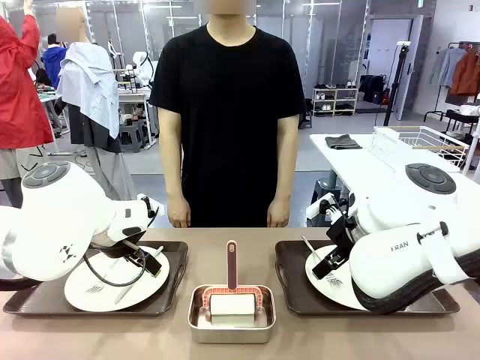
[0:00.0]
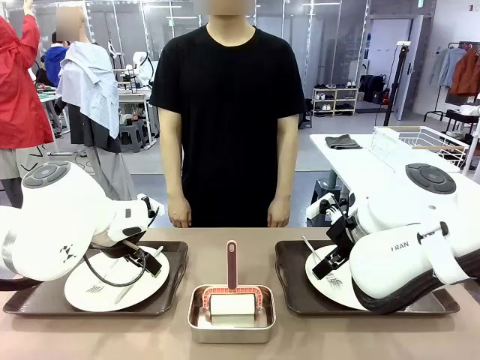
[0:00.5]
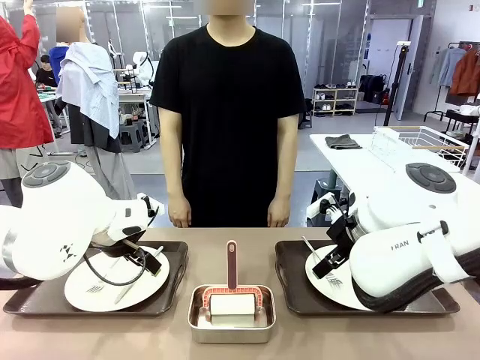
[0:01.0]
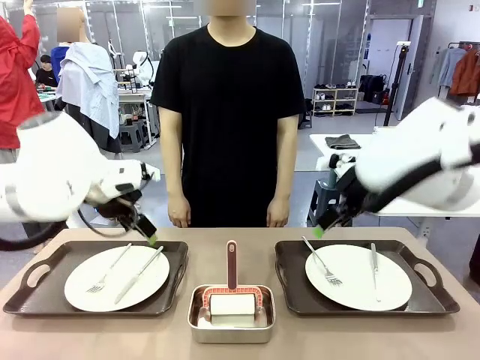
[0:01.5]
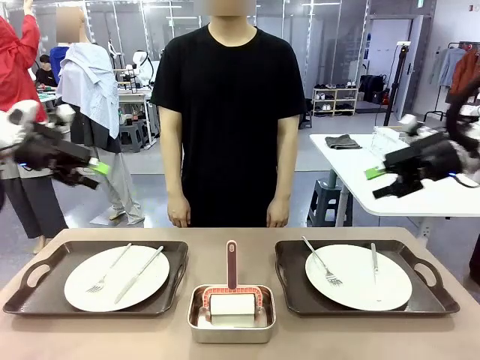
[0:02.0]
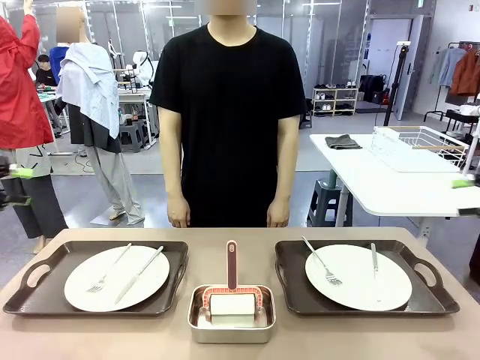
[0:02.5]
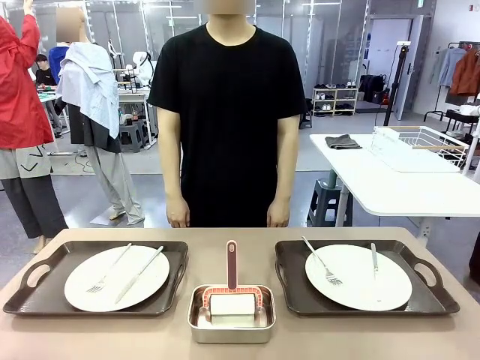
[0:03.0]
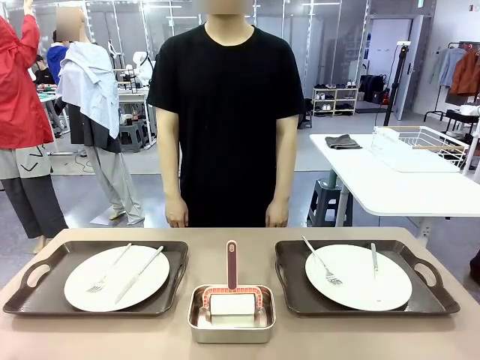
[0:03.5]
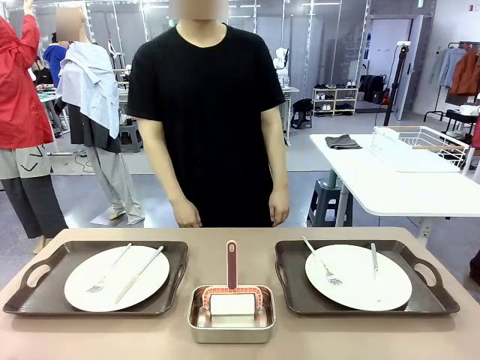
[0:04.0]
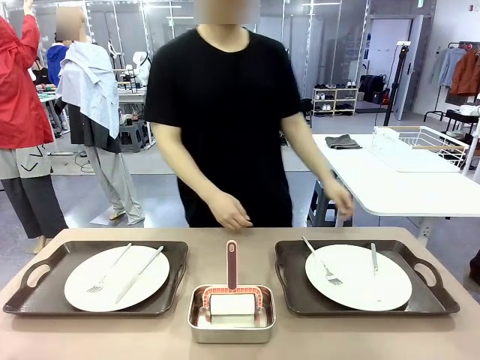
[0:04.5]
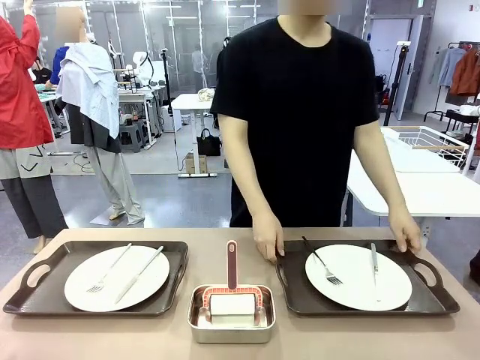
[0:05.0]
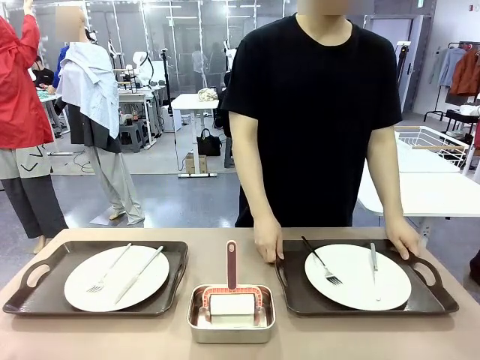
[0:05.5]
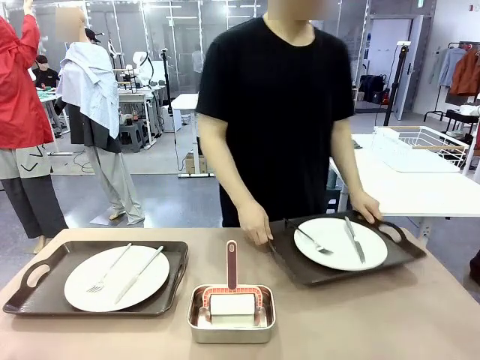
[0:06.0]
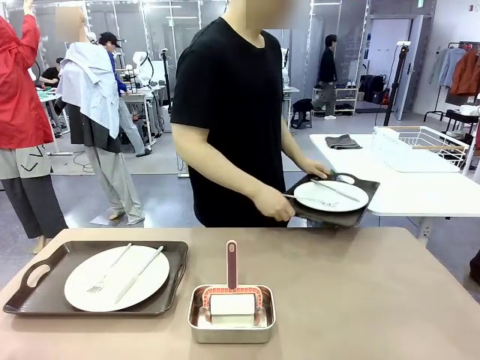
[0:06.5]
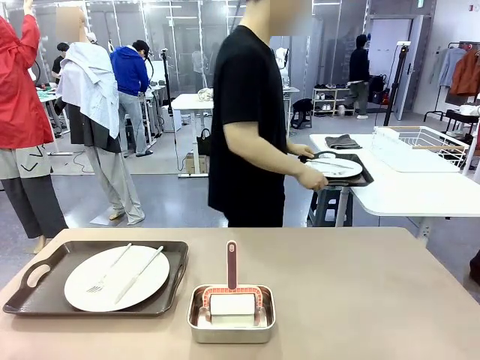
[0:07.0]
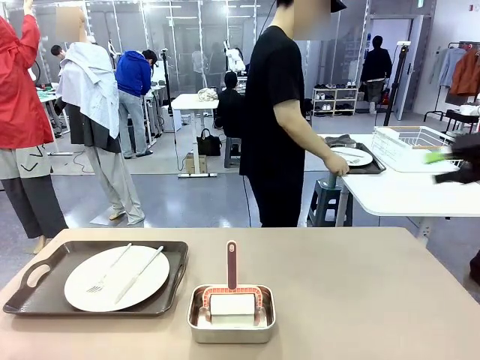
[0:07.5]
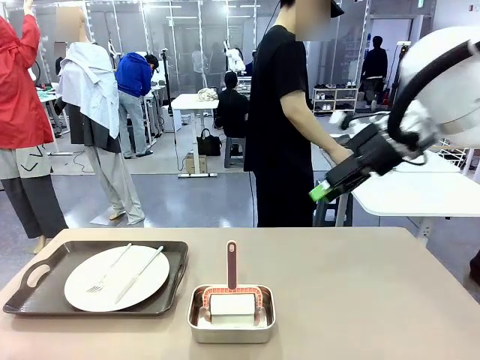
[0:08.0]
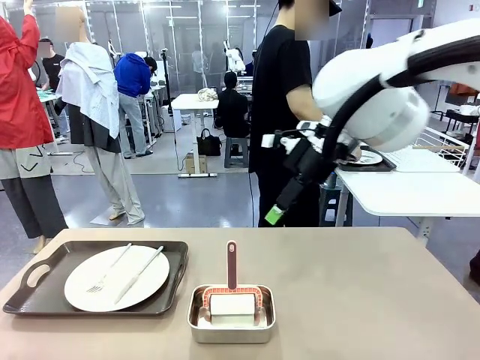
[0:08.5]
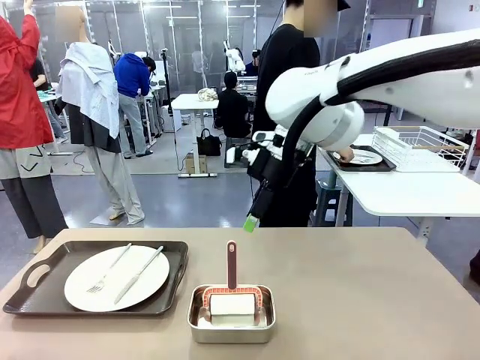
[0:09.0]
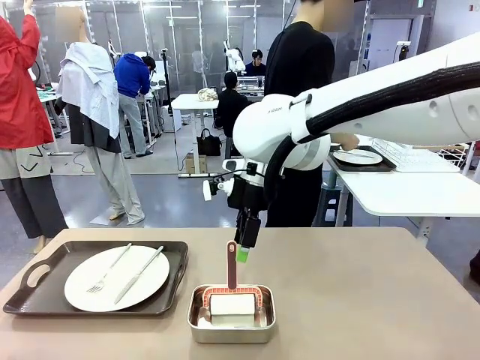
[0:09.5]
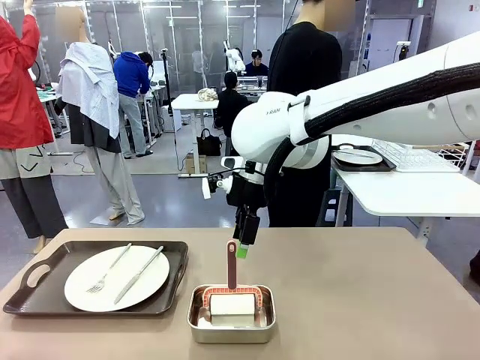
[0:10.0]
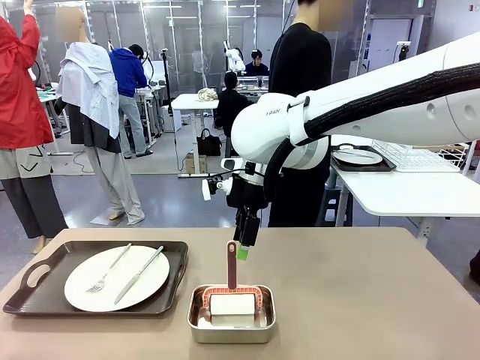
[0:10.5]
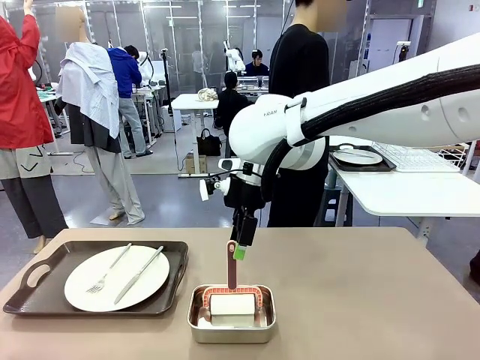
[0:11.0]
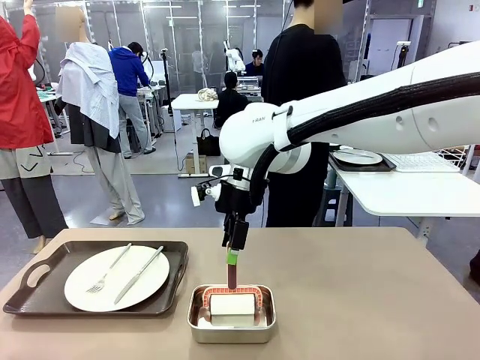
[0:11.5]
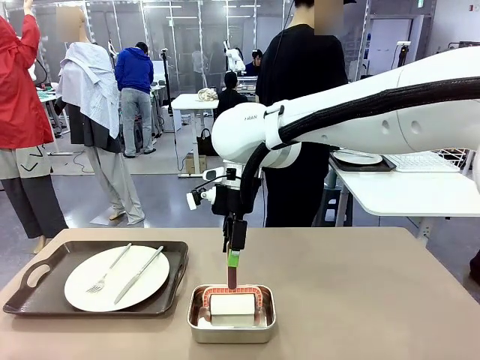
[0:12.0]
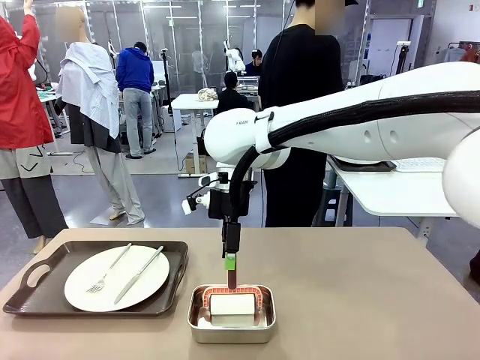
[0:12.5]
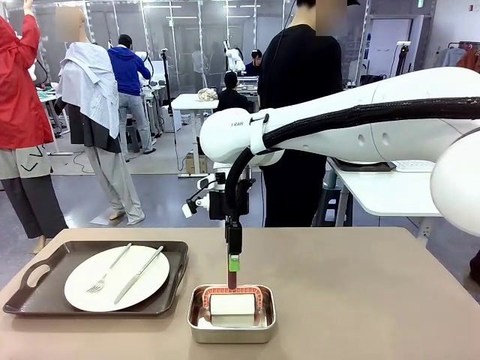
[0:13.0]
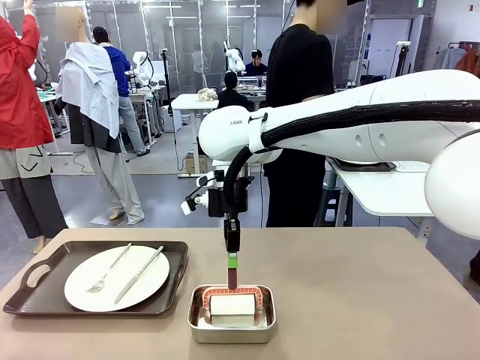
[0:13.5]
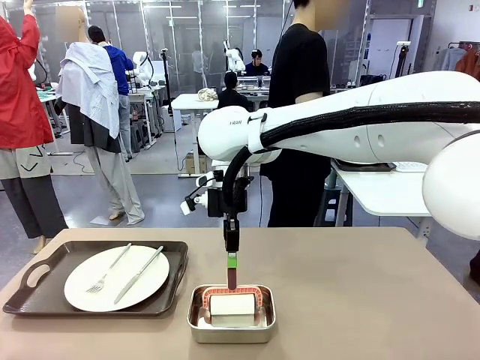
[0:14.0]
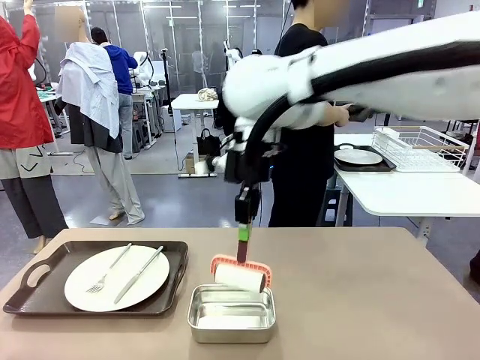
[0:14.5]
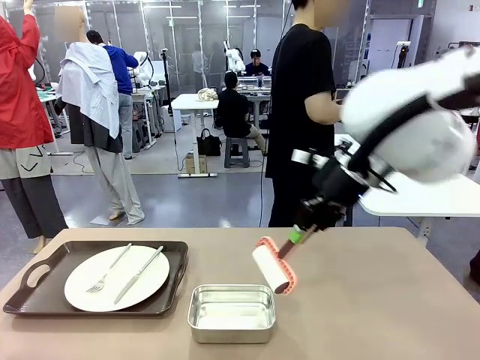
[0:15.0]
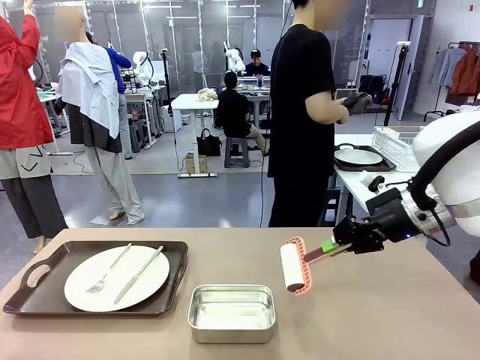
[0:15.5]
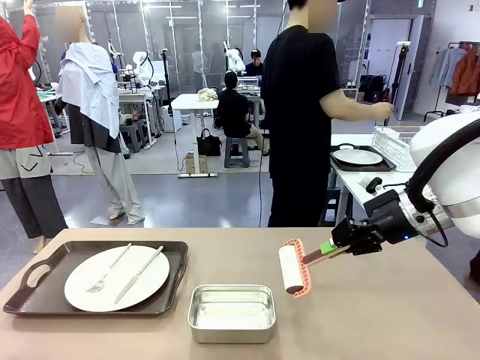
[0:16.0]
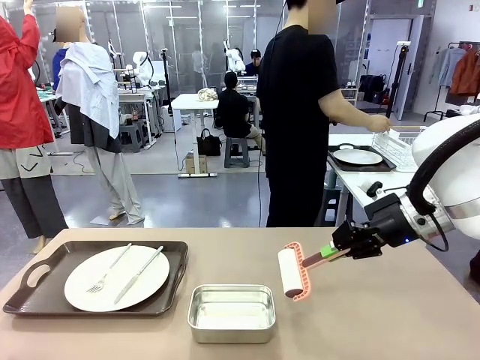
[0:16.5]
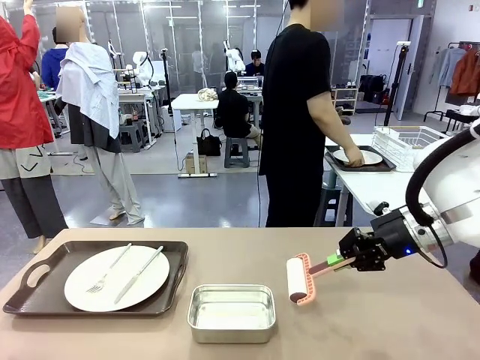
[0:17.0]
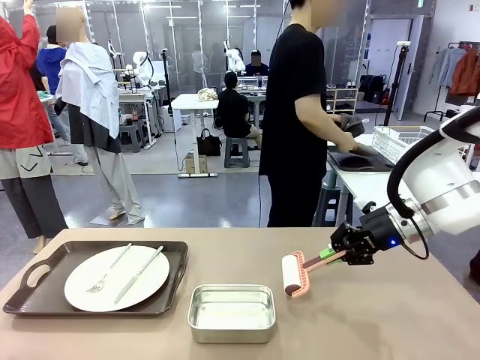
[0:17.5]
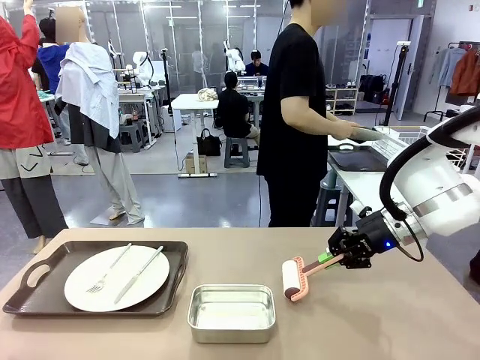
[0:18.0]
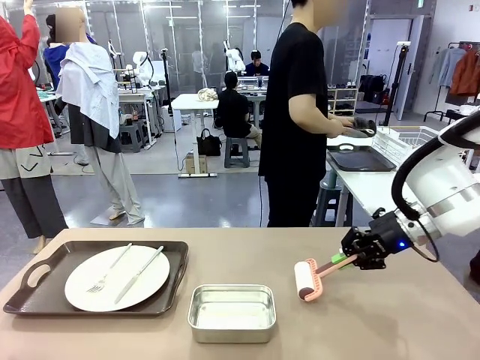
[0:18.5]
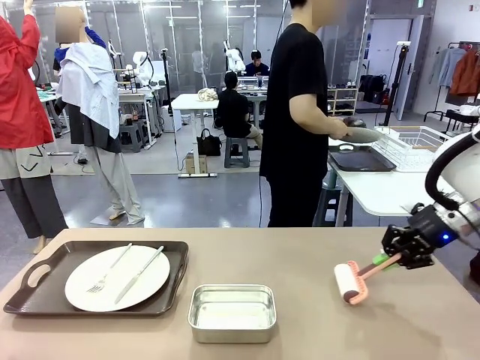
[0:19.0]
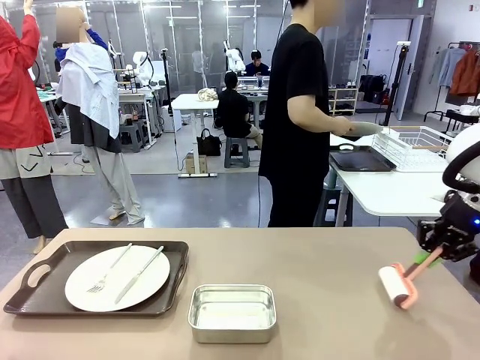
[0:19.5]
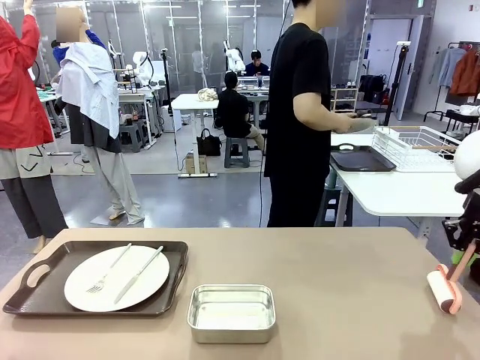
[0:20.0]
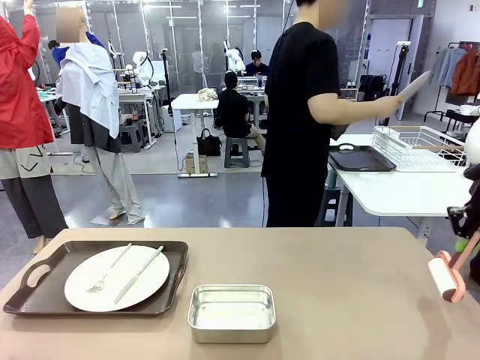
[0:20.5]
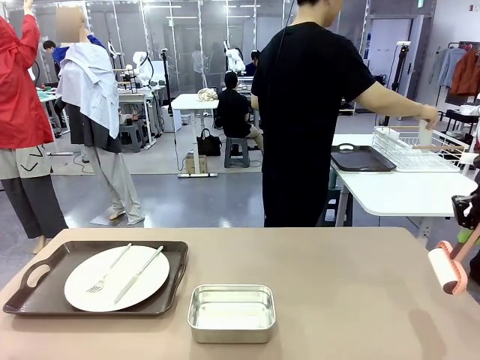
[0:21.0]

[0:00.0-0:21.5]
Robot: When the left (or right) Handle tray is removed, use the left hand (or right hand) to clean the left (or right) side of the table with the Lint Roller.
Person: Pick up the left (or right) Handle tray and place it on the middle of the Human's table. Use the Towel with hook to wipe the Plastic Matte Plate , Fork , and Knife and place into the Dish drying rack.

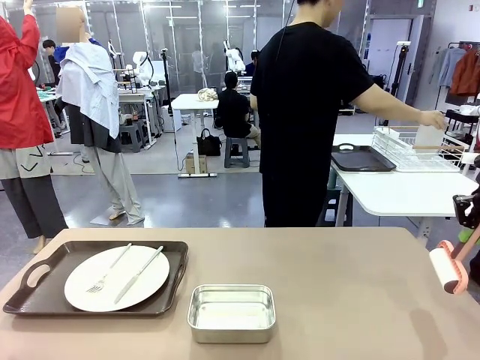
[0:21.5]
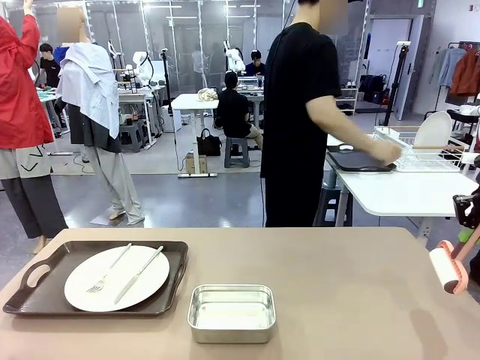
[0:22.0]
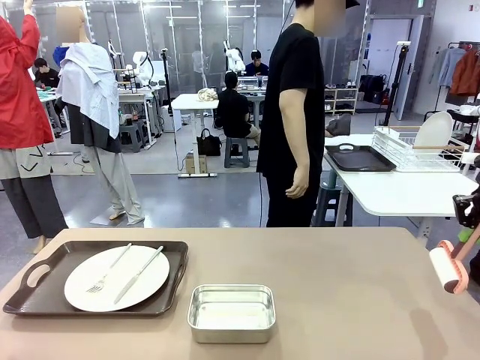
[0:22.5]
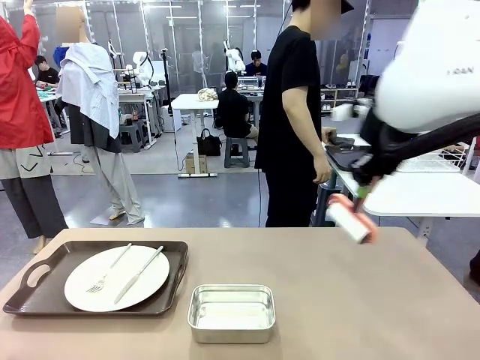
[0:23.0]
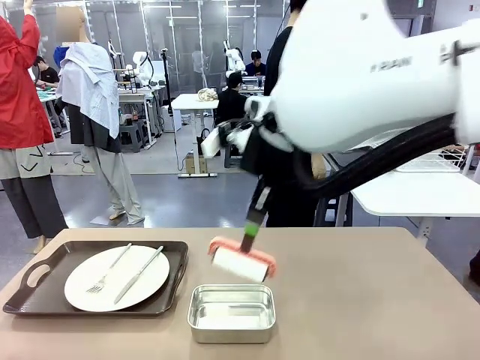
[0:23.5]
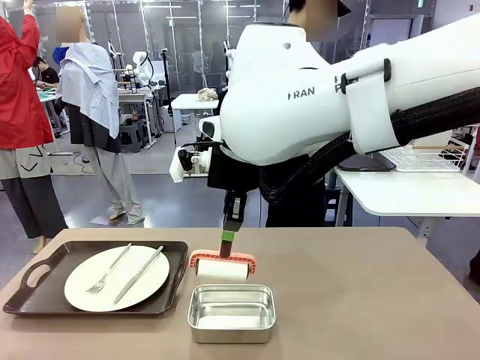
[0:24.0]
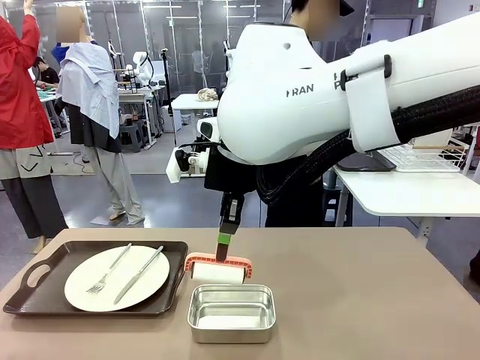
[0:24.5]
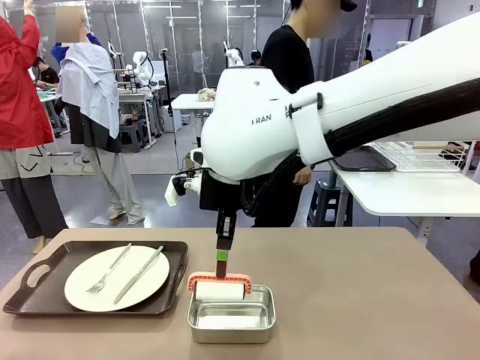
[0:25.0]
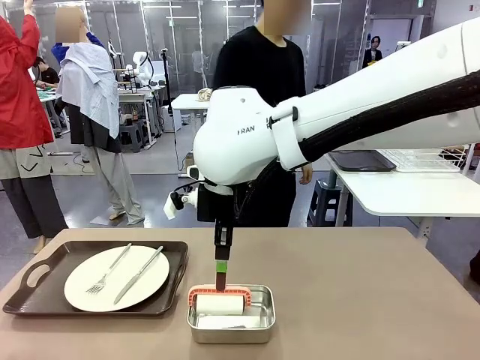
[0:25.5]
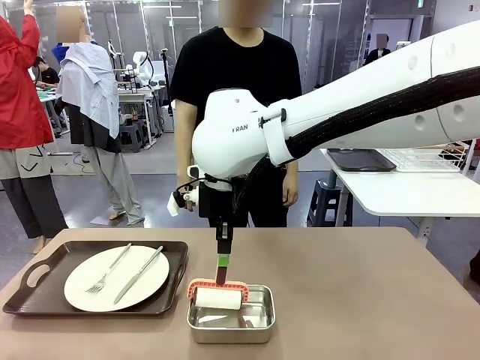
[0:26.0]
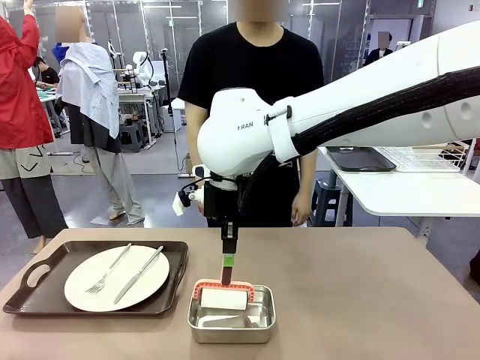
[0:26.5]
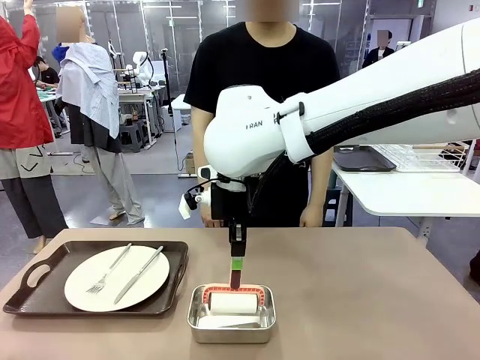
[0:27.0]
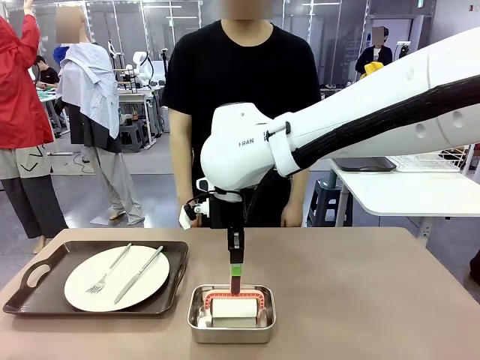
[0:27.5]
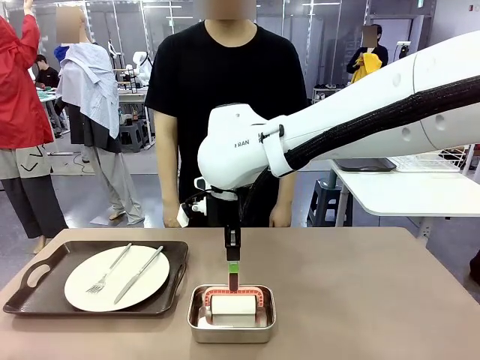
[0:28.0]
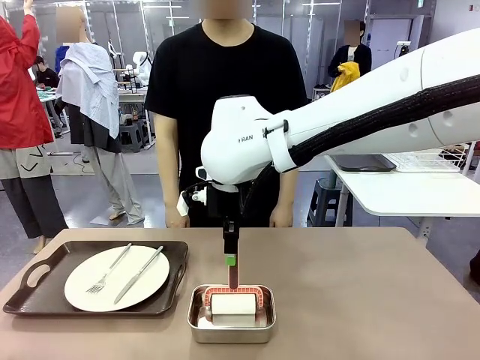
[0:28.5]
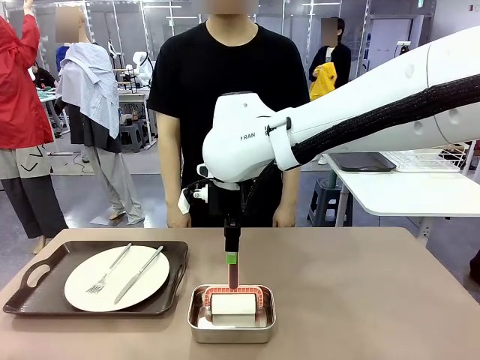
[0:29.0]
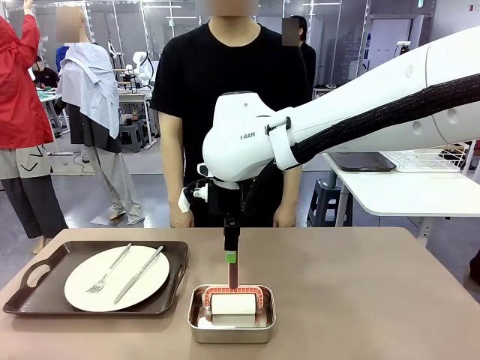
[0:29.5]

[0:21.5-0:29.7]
Robot: Place the Lint Roller back on top of the Airtight Container.
